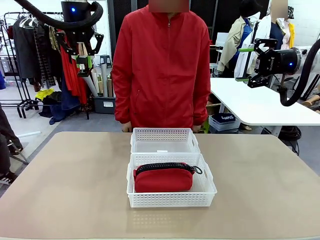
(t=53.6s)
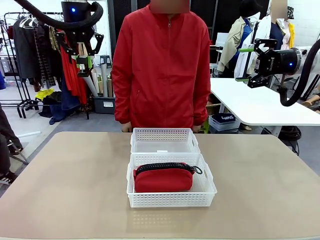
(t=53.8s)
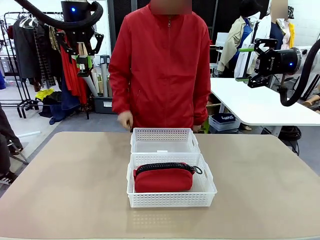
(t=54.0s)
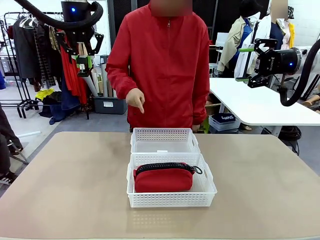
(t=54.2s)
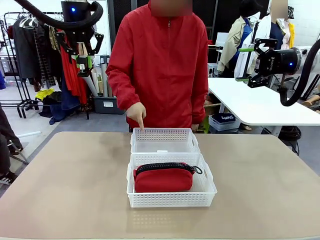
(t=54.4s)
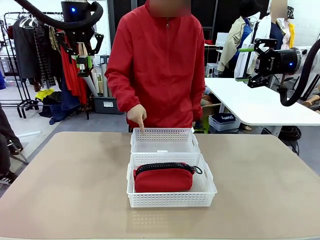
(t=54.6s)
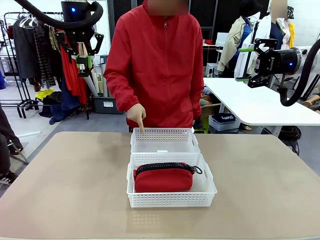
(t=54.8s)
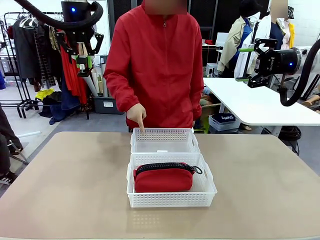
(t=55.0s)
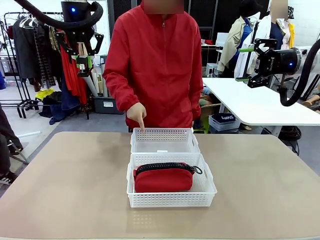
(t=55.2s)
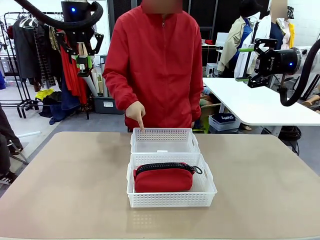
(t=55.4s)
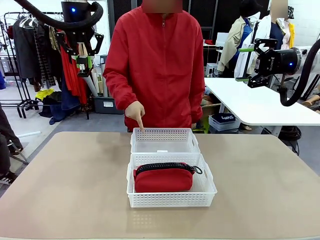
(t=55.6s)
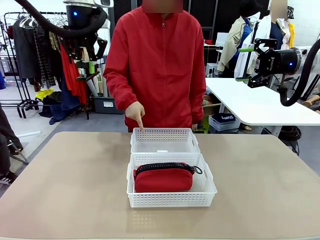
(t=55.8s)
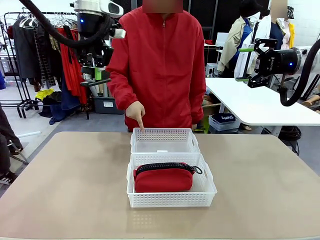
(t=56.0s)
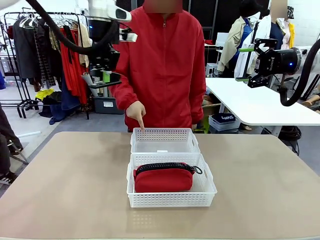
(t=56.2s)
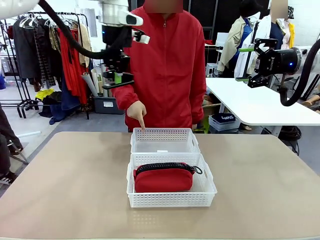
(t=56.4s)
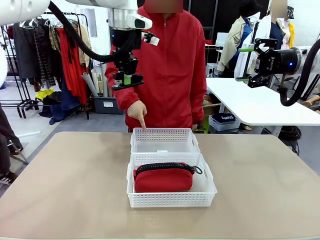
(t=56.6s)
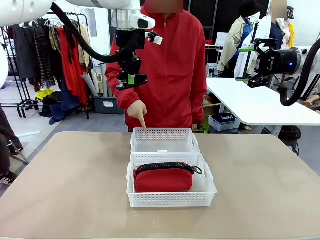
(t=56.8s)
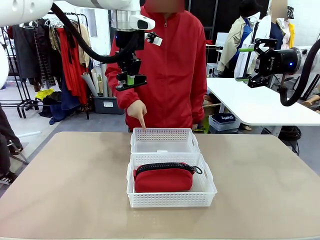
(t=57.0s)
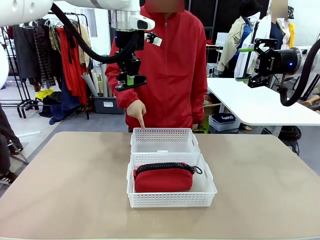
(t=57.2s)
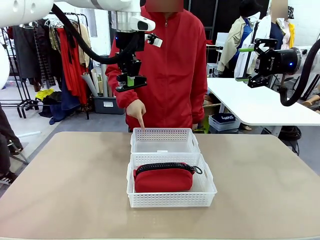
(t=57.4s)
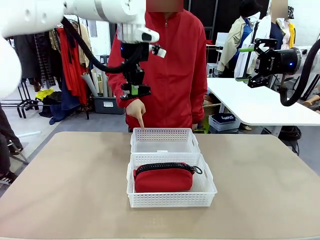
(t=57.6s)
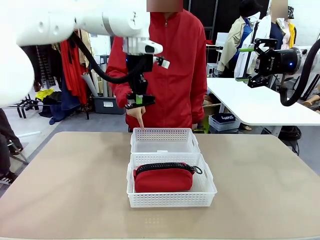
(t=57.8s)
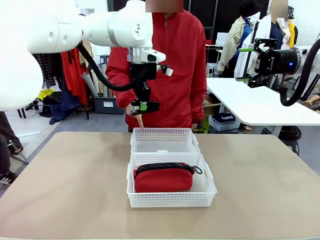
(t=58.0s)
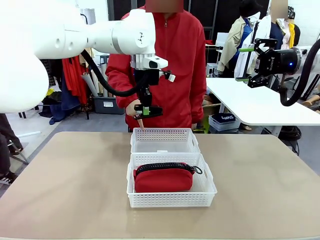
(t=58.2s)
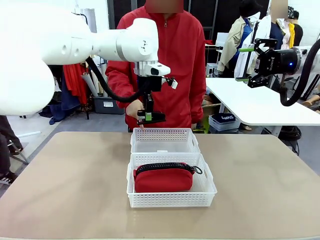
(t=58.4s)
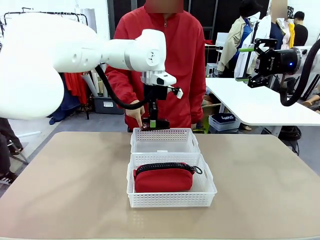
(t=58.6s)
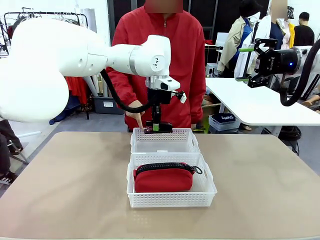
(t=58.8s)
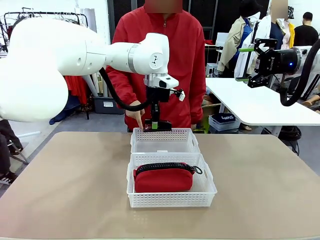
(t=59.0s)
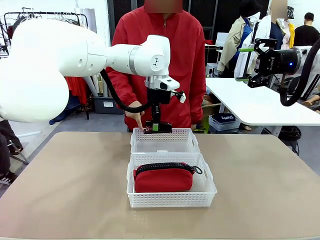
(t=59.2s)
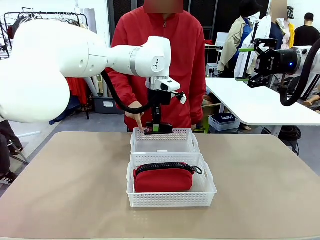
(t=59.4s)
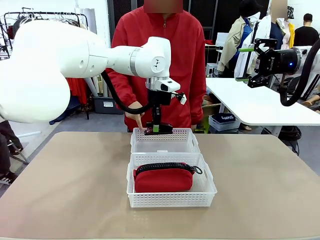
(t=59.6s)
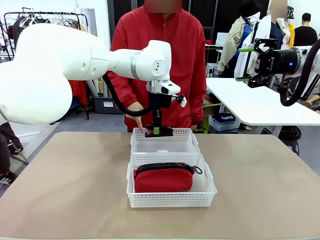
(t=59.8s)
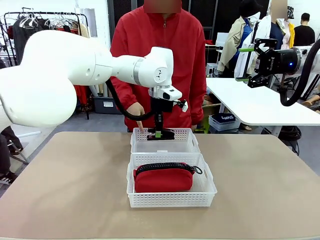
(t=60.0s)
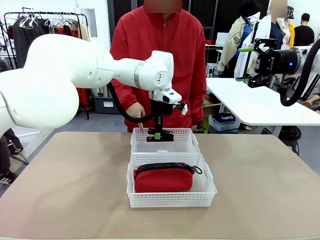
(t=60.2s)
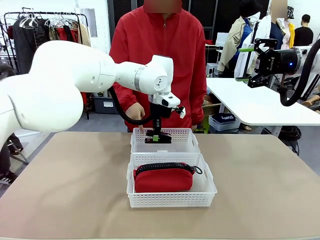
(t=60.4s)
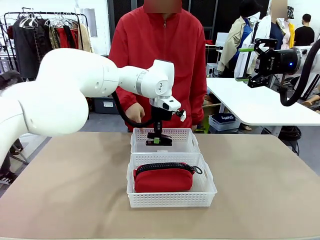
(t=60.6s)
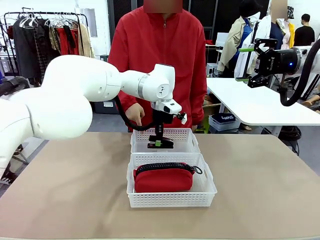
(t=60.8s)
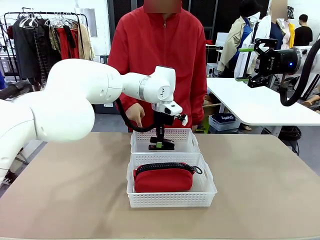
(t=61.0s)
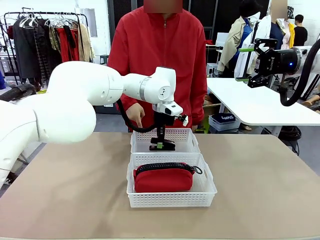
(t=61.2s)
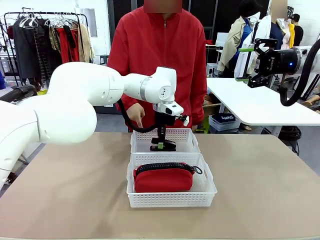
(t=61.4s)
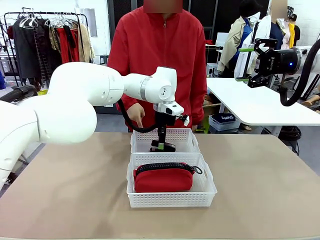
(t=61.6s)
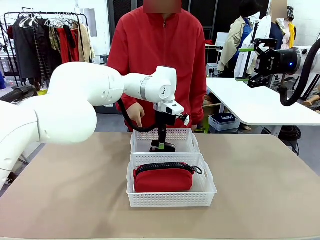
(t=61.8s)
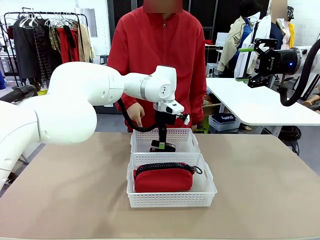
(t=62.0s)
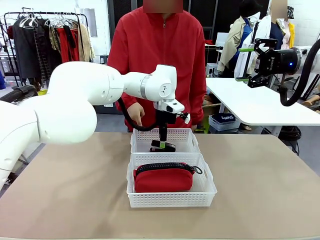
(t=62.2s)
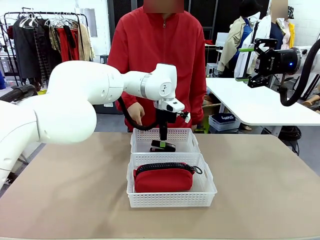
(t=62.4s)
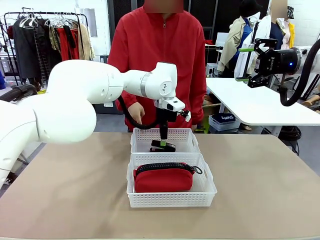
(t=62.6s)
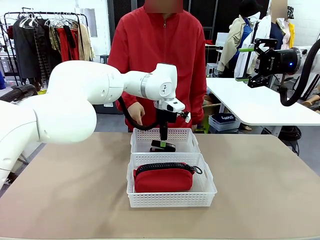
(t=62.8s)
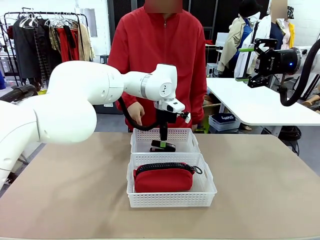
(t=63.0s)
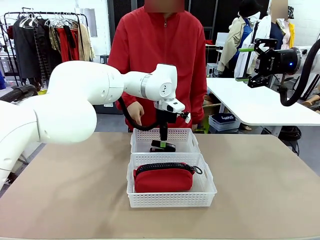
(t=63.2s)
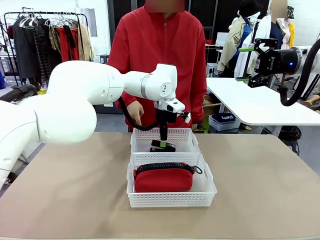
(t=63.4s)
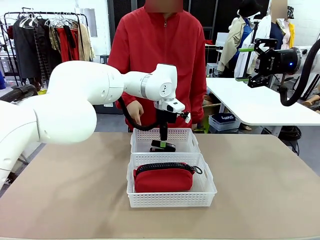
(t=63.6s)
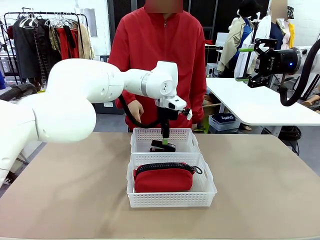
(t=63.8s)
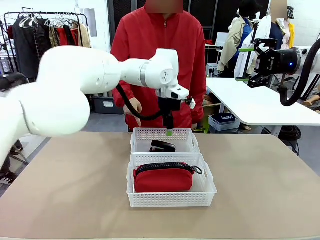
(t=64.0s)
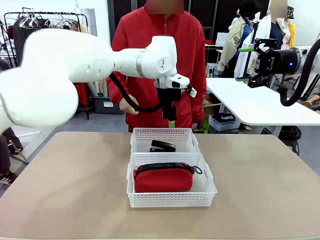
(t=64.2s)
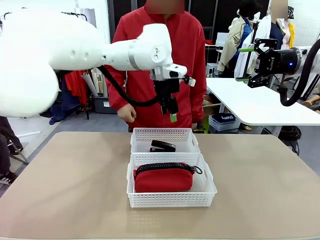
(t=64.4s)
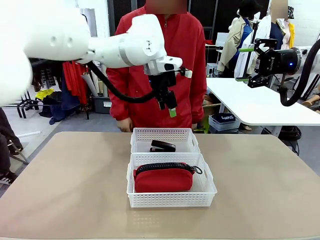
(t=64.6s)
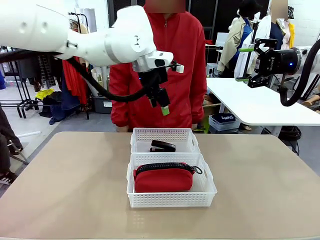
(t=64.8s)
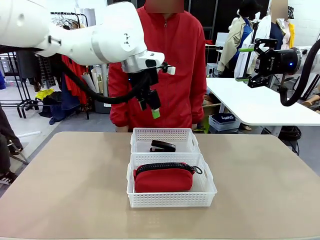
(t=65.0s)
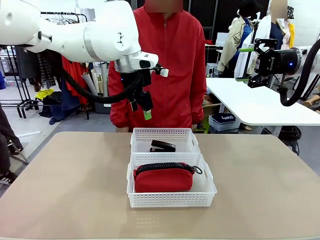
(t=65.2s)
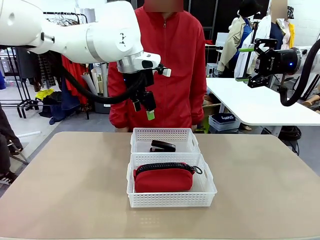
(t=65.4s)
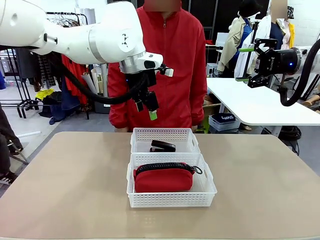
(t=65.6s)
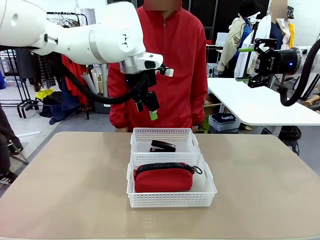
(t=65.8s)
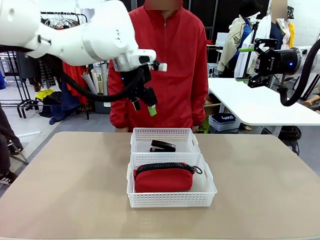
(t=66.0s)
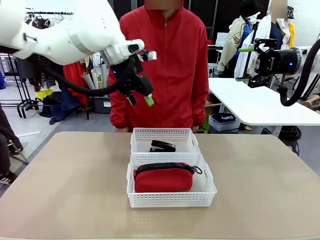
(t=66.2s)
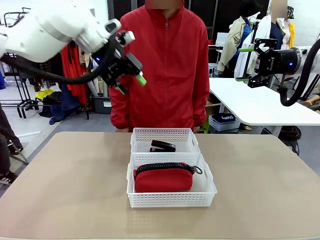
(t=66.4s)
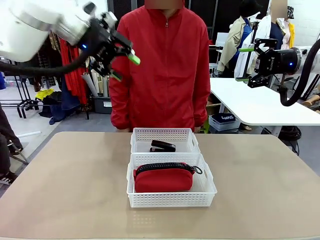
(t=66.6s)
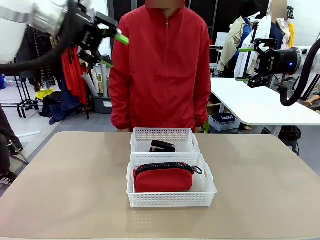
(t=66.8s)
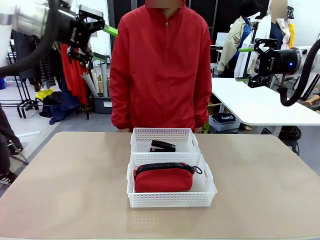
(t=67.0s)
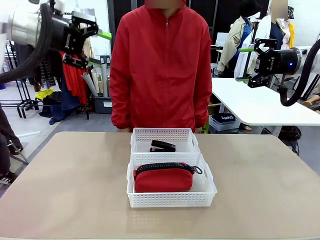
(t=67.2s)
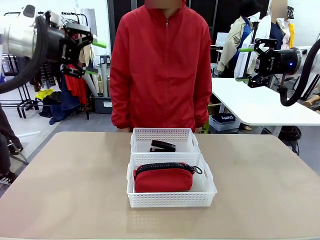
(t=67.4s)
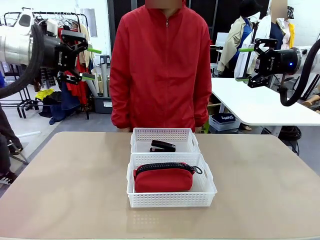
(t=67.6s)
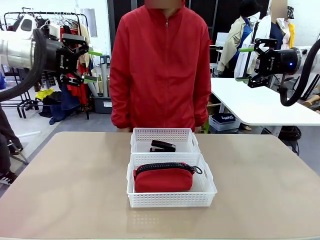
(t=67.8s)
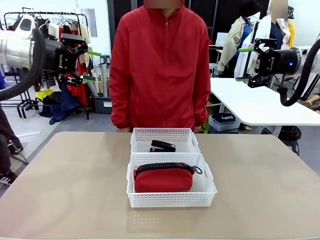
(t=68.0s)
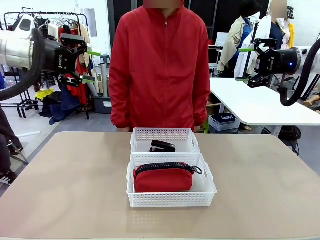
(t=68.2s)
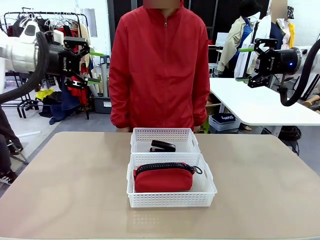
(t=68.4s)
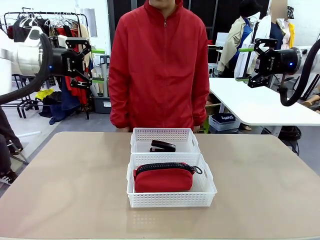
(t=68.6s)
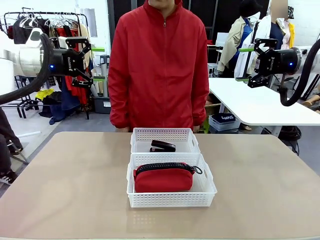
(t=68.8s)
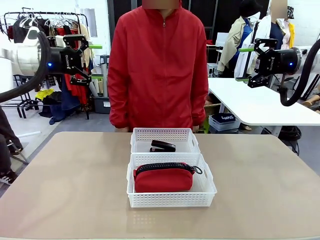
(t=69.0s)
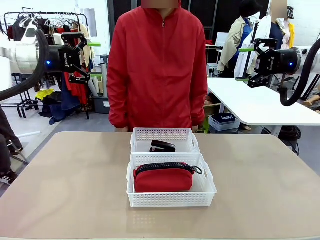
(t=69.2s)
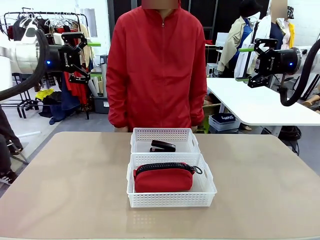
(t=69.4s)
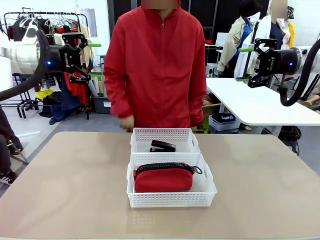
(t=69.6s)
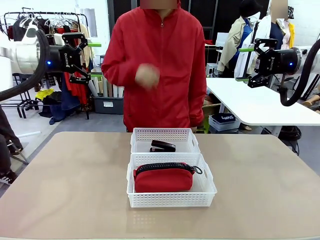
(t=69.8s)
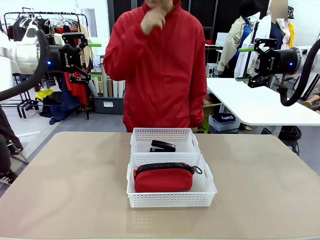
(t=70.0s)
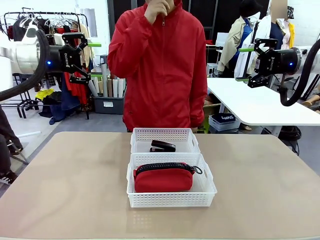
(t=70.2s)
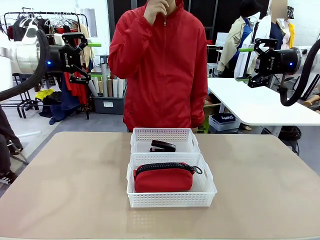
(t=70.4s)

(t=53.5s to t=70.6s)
Task: Distribute items into two baskets.
Robot: Place the picked Stapler into the Organizing basket as instructed by the person.
Person: Points to the basket that does not contain the pencil case and instructs the robot to move the stapler there.
